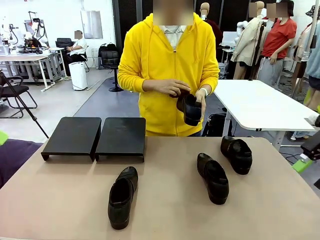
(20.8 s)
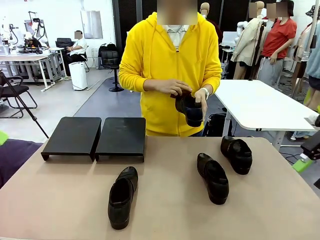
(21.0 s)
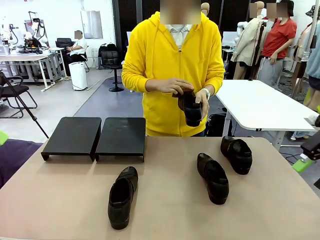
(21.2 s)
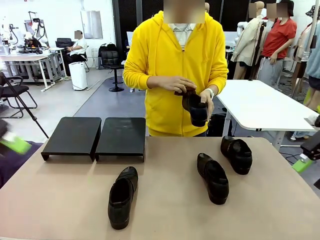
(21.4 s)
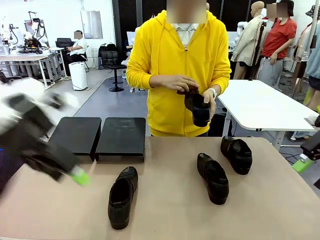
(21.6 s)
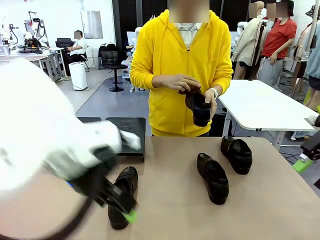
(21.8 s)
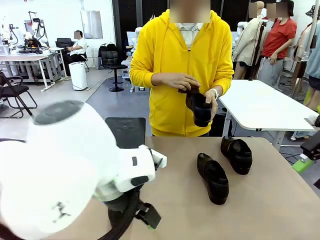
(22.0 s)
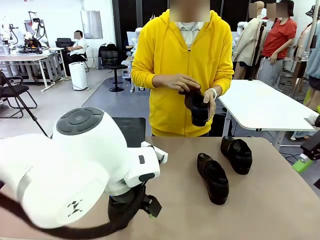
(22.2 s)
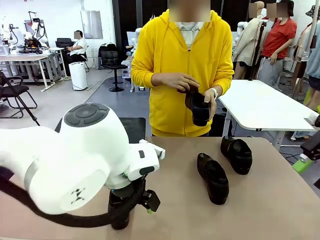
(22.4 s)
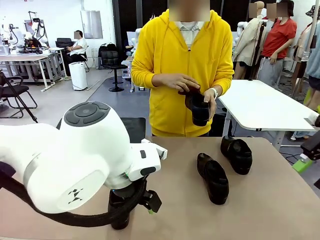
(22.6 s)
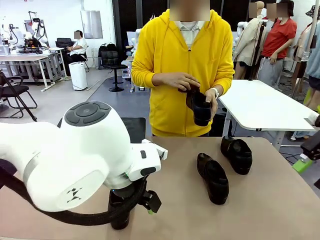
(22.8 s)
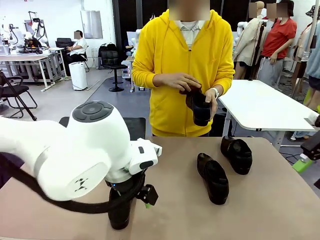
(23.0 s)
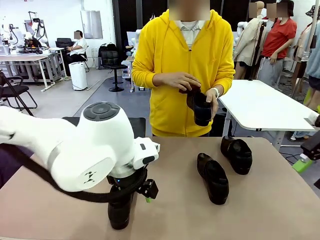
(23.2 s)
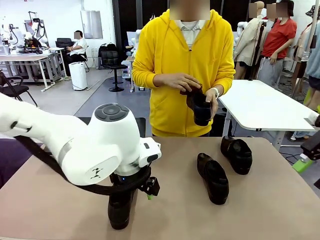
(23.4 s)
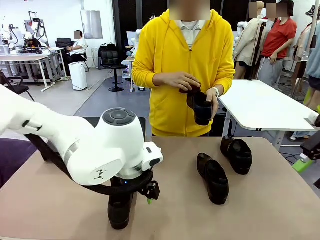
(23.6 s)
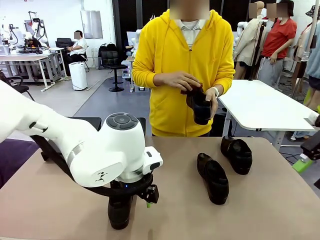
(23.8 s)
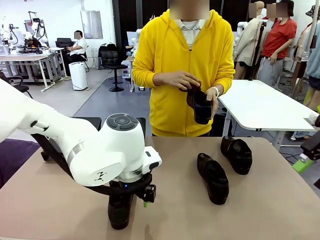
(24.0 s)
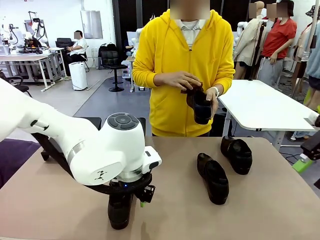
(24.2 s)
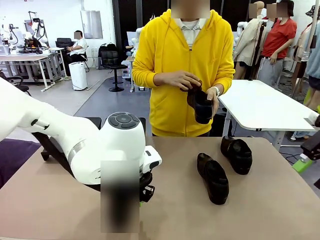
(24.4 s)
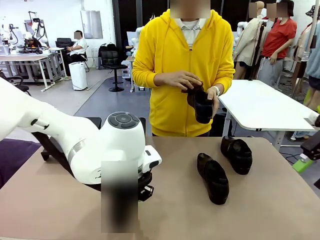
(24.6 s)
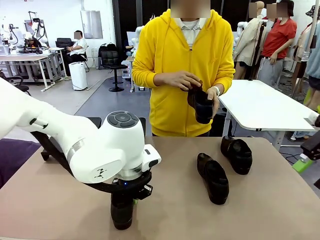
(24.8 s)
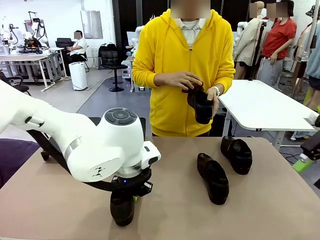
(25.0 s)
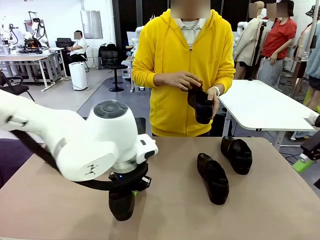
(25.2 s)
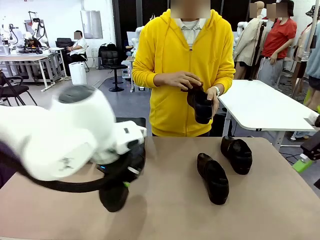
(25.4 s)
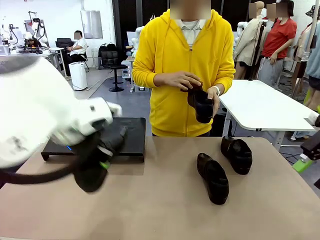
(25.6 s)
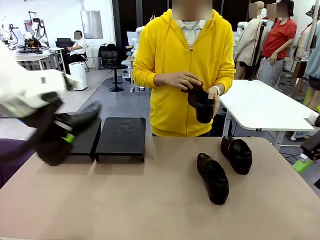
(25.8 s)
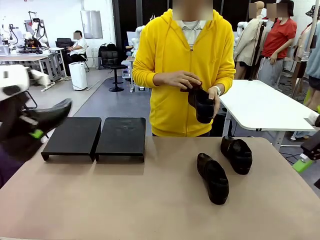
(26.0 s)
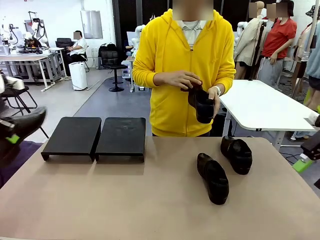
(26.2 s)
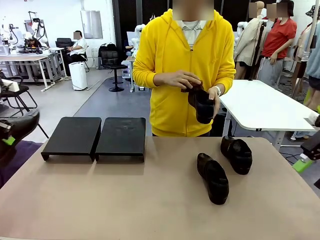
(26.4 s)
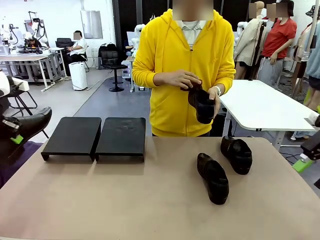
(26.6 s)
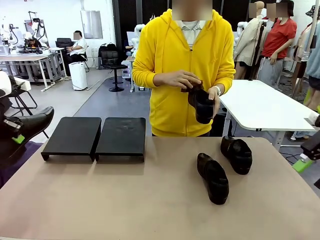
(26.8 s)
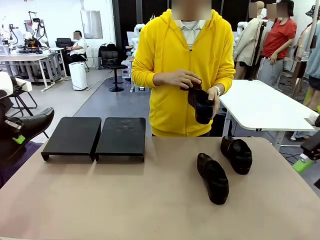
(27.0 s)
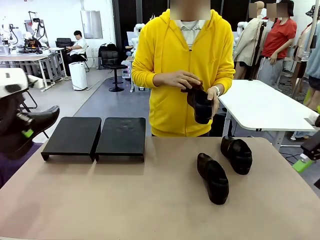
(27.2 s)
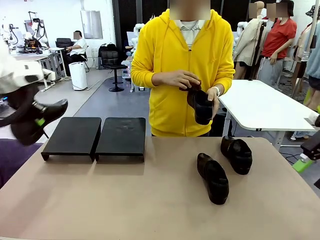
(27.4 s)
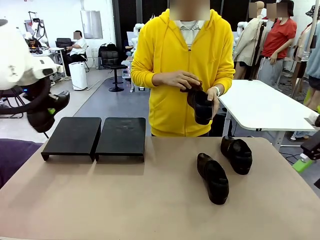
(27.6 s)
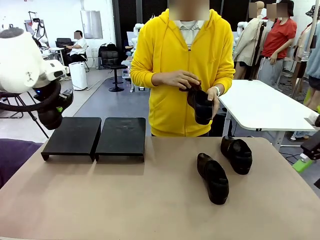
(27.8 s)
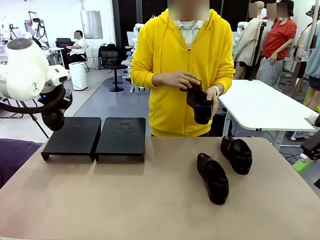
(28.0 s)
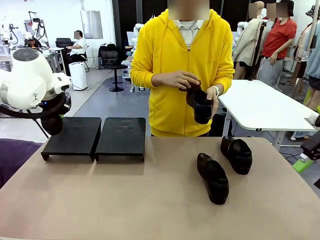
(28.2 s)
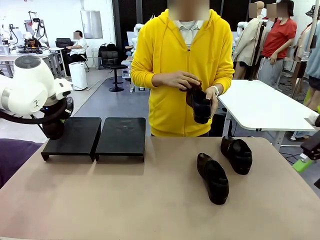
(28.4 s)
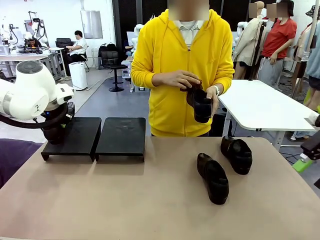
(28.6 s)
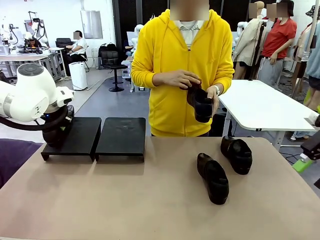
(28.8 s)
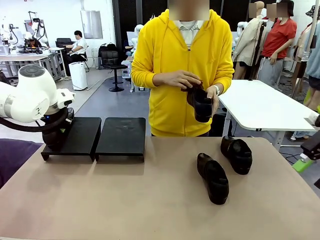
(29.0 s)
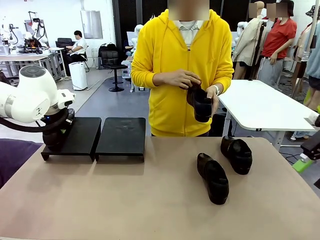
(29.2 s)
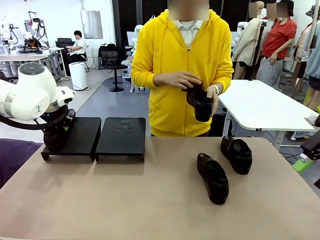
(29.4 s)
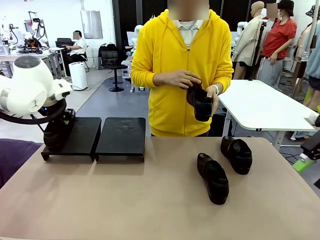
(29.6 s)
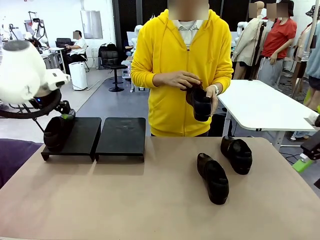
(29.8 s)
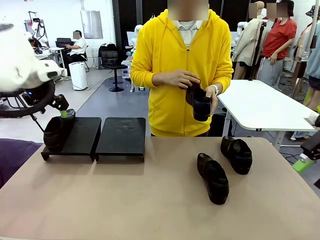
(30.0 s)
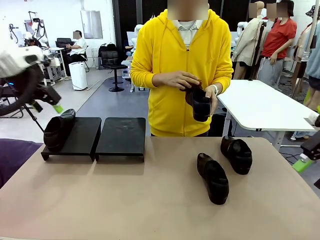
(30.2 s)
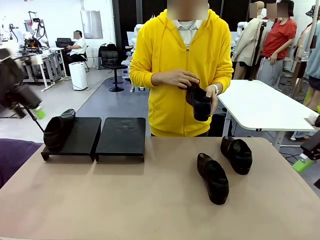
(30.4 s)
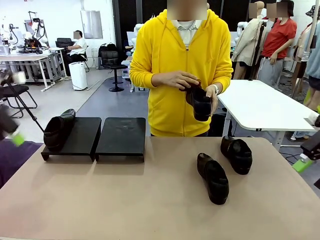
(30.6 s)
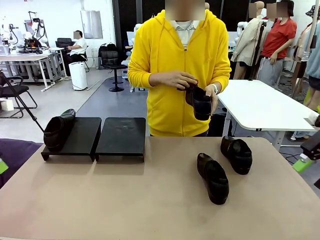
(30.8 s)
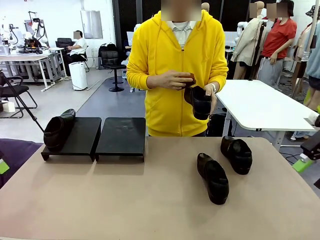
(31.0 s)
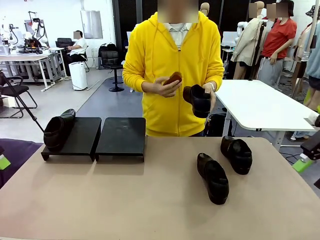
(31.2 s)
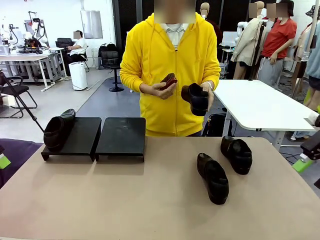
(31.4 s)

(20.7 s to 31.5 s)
Task: Organize the shoes by placing them on the stand.
Robot: Place the Shoe from the middle of the table onto the Shoes Stand.
Person: Clean the Shoe with the Shoe Brush.

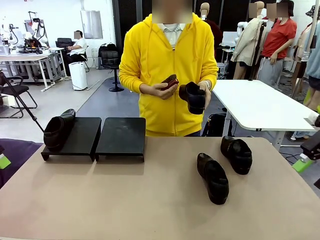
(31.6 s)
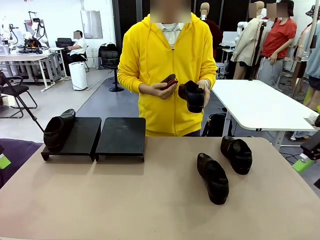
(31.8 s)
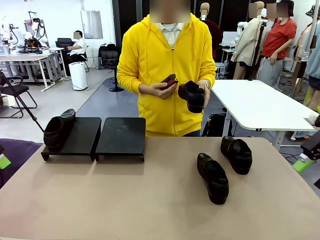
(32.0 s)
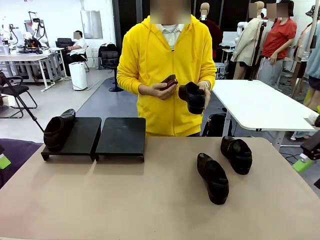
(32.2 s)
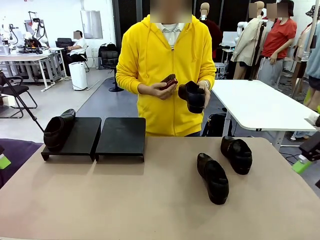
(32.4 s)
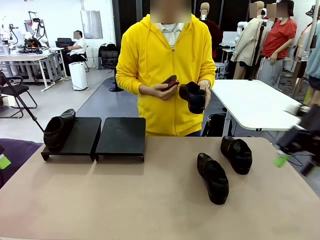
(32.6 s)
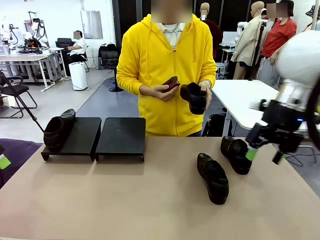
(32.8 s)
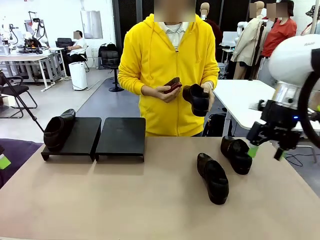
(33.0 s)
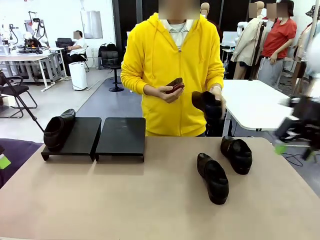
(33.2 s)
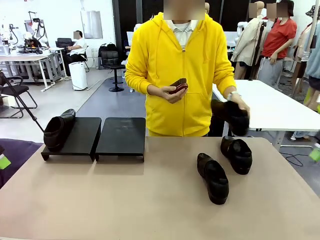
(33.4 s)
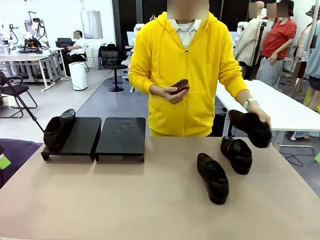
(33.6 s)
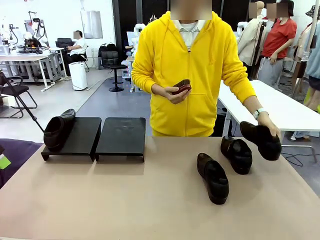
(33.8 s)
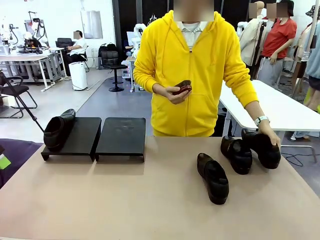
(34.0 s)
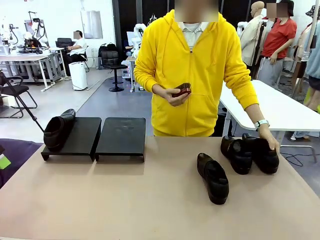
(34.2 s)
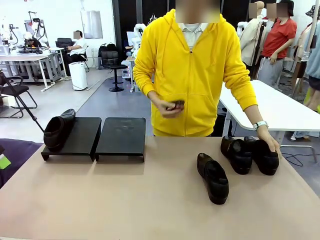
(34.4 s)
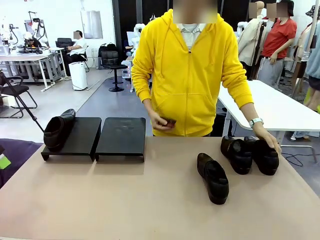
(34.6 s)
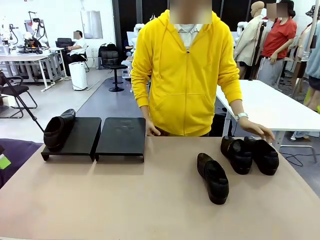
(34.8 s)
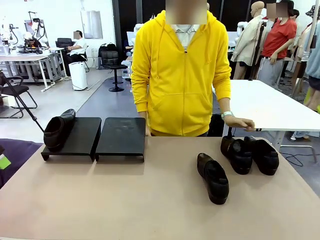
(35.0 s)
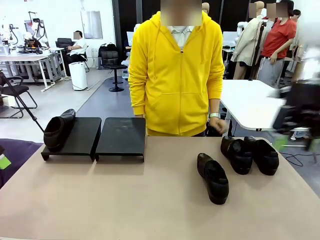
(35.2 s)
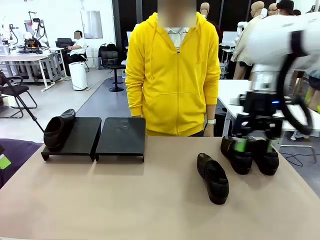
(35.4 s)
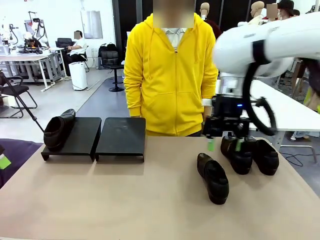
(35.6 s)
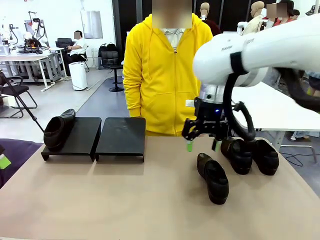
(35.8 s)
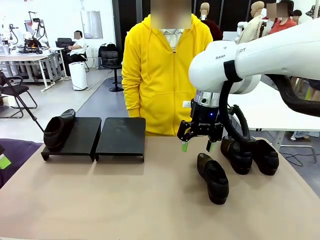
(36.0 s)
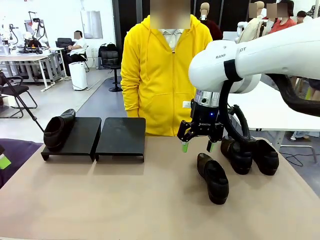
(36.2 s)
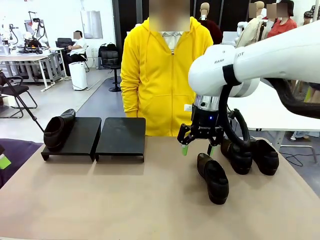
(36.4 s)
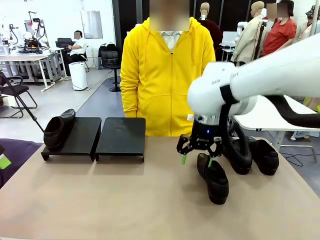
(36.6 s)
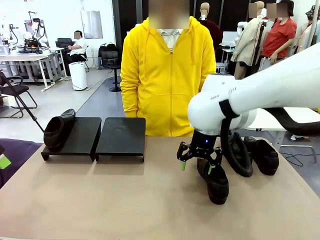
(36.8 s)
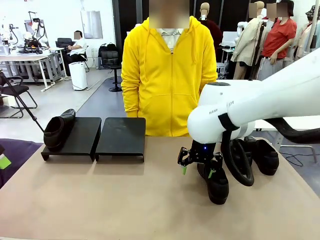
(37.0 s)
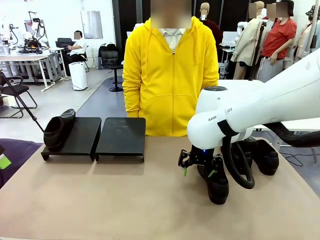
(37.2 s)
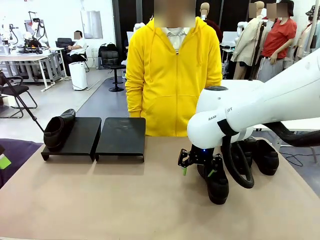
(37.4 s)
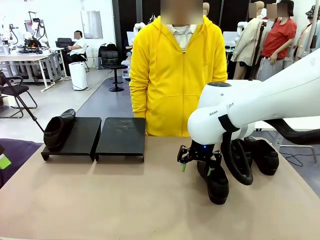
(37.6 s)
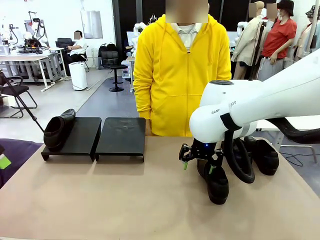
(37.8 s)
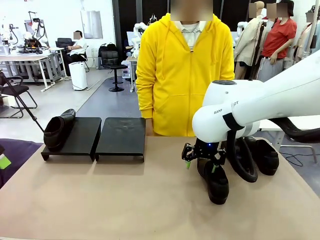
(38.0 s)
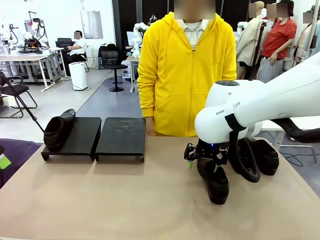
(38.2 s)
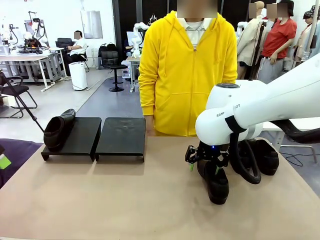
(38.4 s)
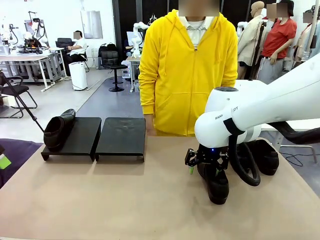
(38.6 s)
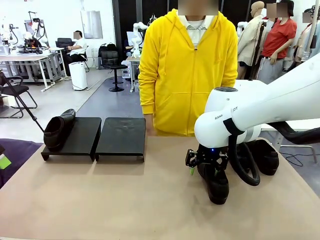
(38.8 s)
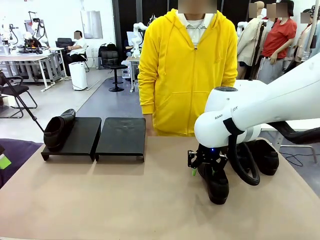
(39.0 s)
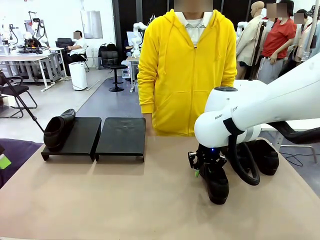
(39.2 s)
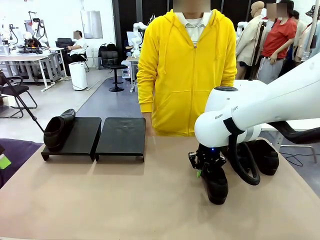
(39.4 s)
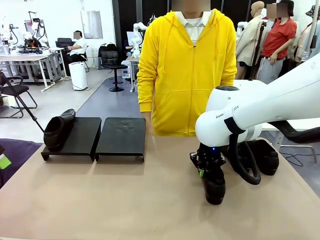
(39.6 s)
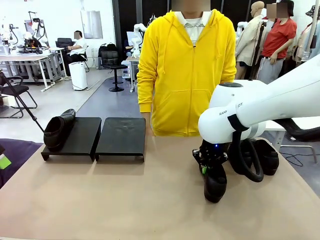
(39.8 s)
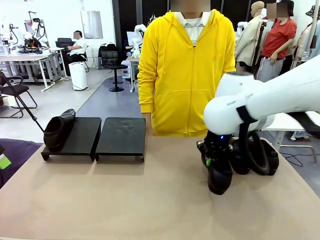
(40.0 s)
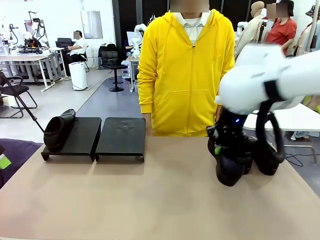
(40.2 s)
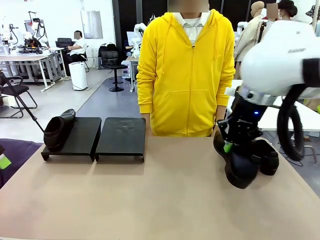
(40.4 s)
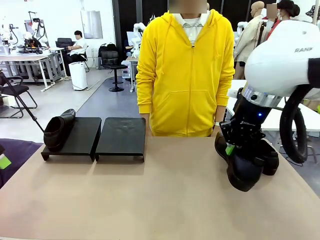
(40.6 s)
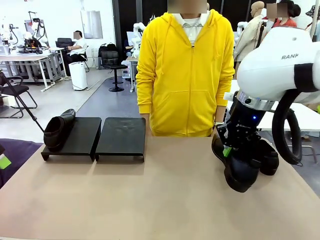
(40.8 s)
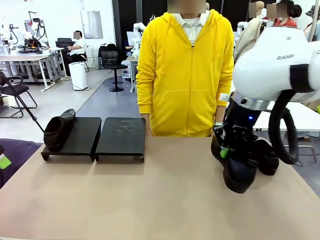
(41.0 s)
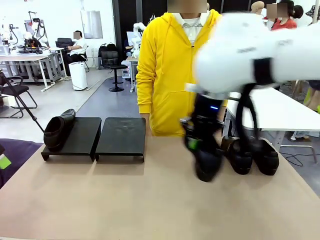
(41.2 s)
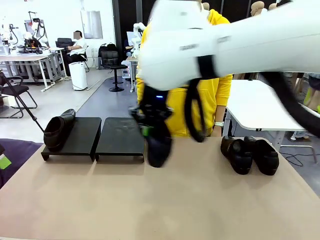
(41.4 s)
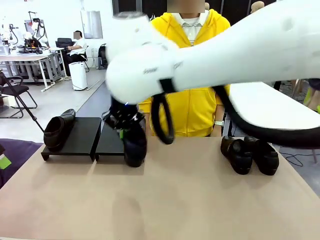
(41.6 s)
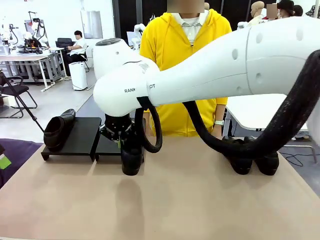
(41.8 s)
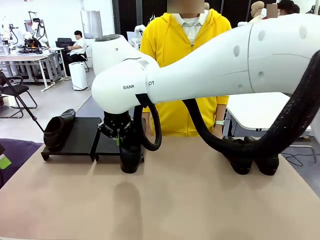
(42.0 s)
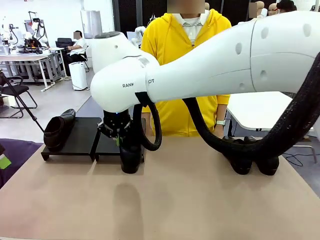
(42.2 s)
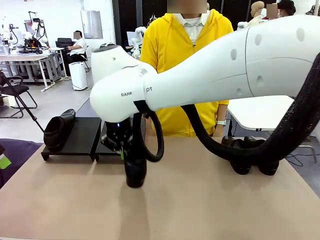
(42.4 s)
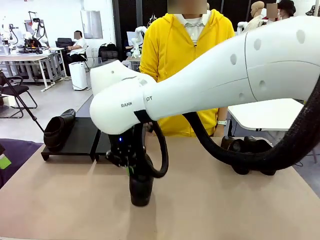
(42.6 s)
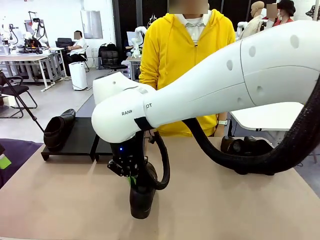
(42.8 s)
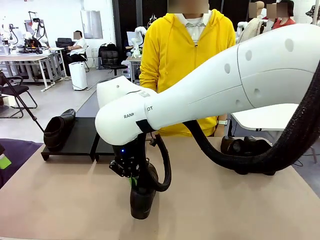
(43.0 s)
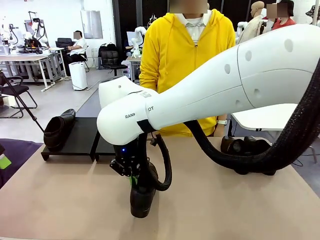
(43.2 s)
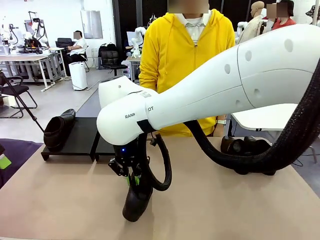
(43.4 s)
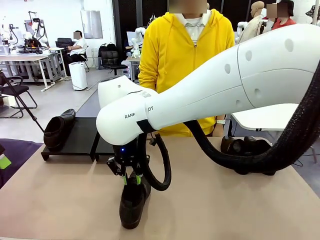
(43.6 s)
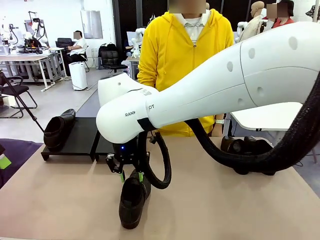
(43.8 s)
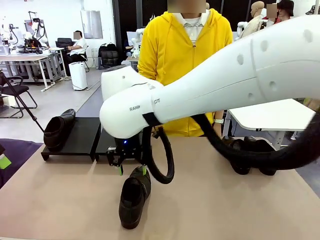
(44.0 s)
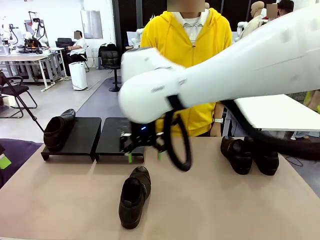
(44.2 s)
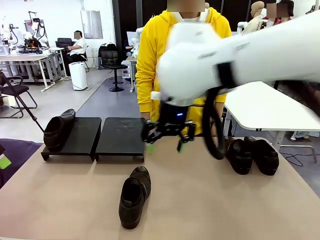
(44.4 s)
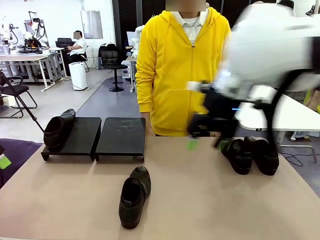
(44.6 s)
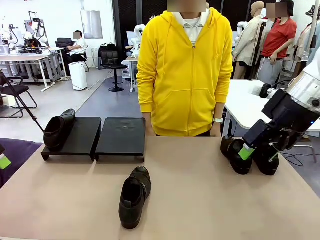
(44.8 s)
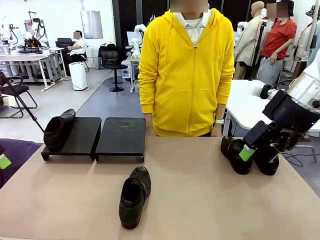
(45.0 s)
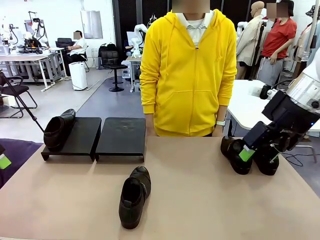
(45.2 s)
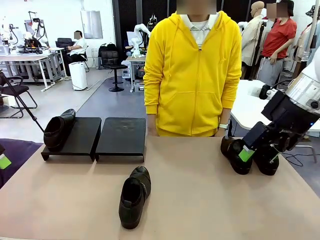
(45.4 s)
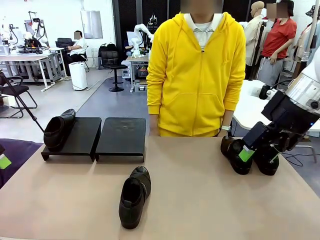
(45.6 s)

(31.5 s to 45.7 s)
Robot: Pick up one Shoe and place it in the middle of the table.
